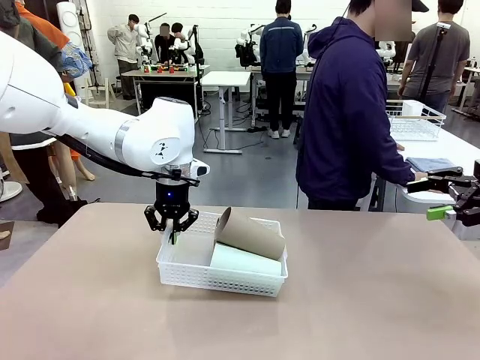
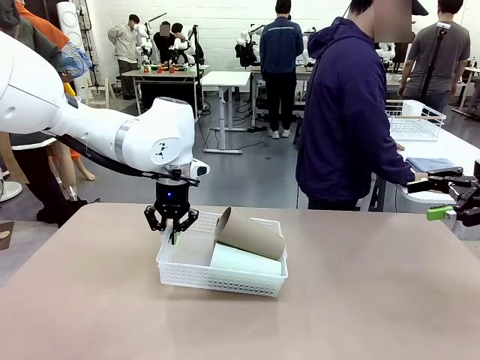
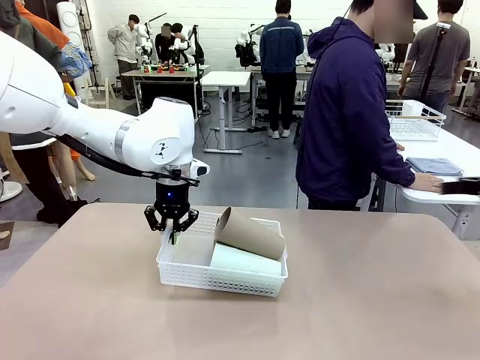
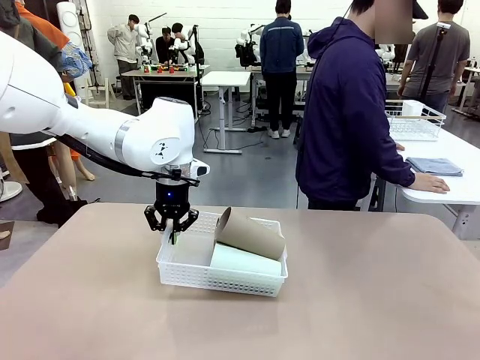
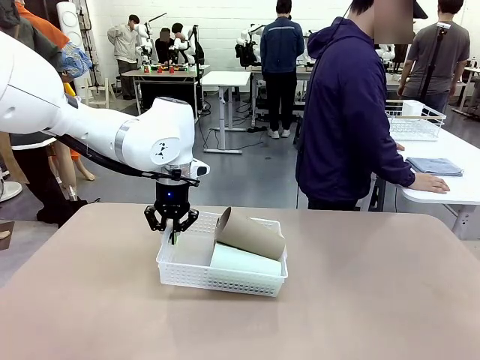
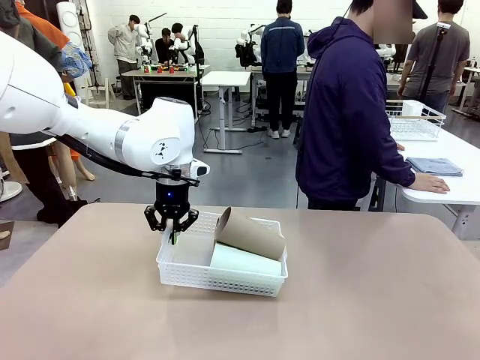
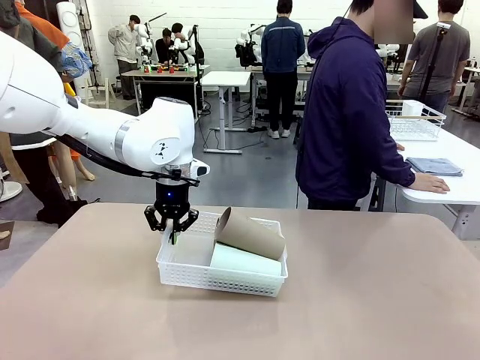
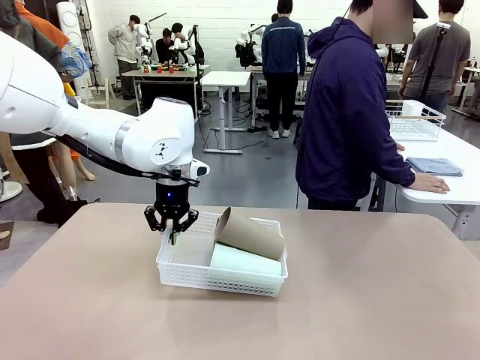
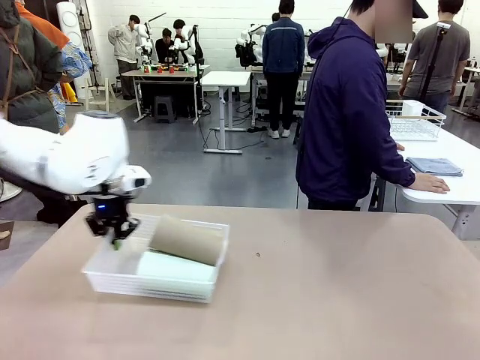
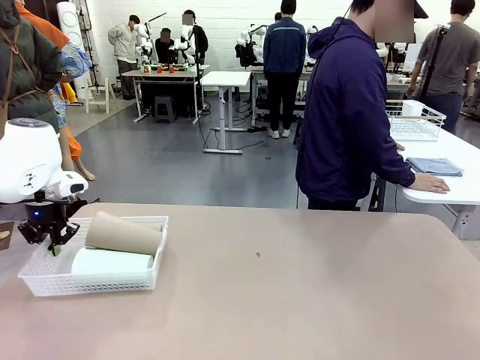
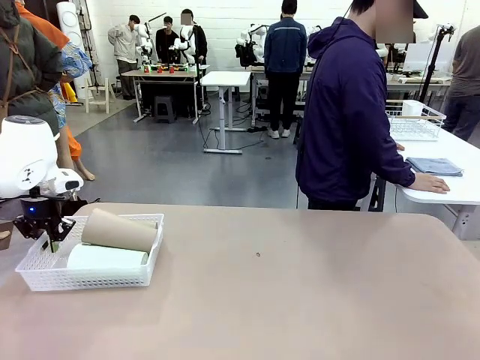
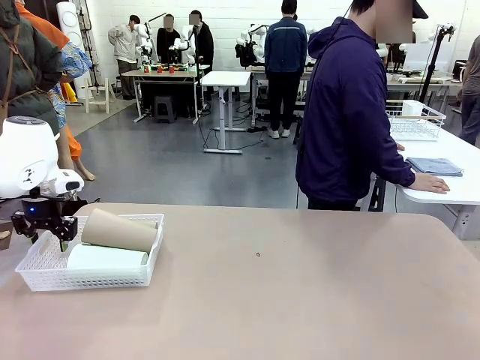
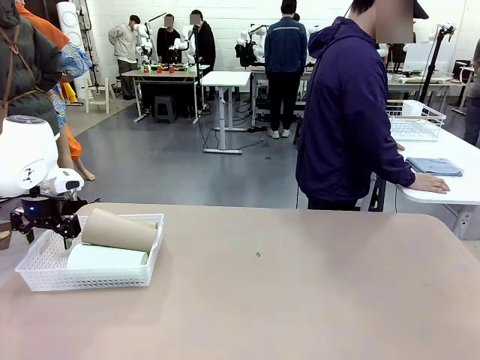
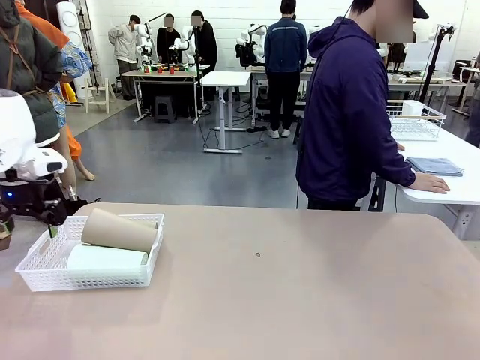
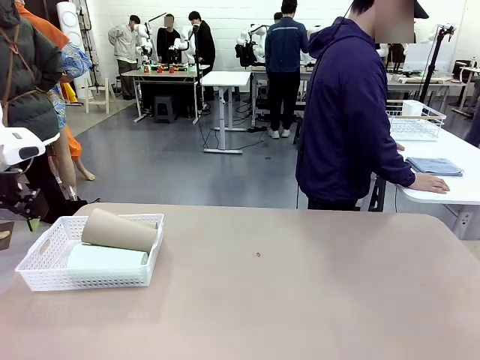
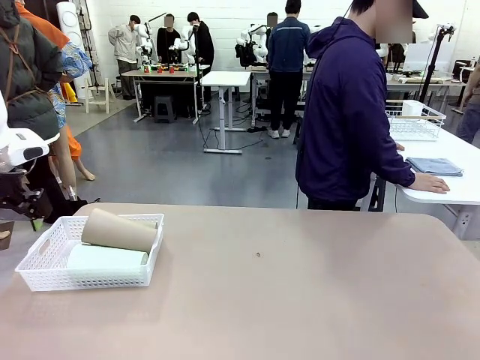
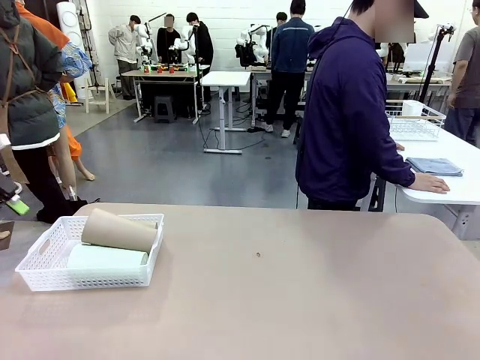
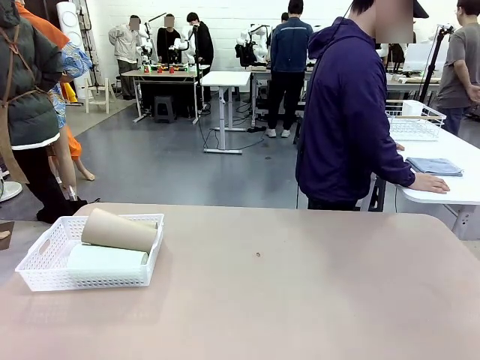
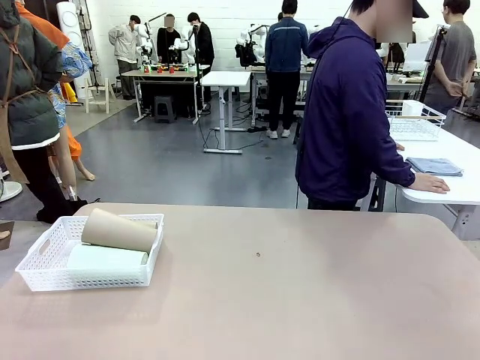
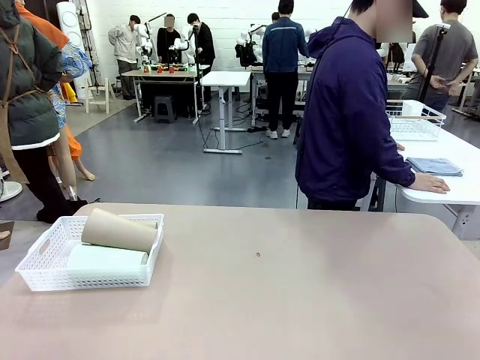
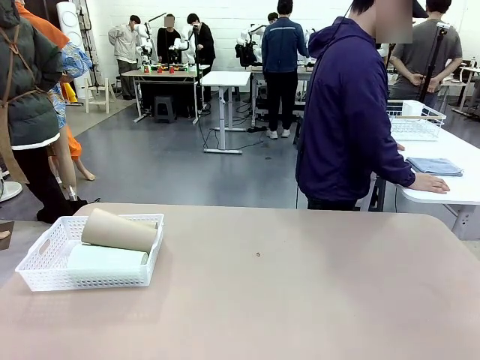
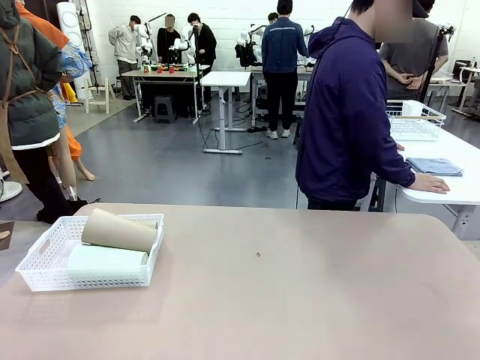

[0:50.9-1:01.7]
Task: Clean and organize the cups into the basket.
Robot: Move the Organizing basket back to the left side of the table.
Person: Folds the towel in half twice and places it in the right of the table.

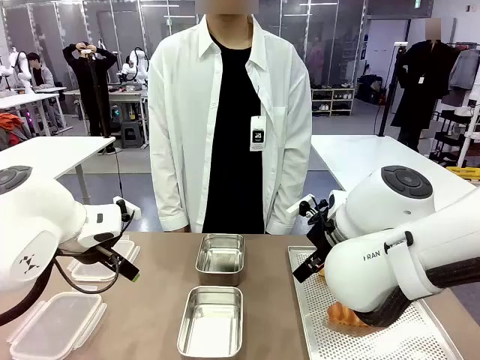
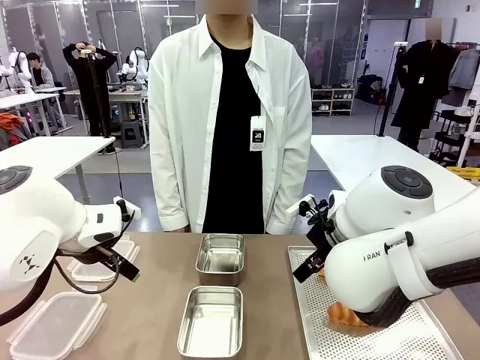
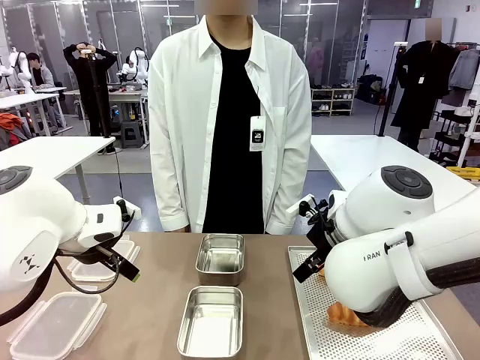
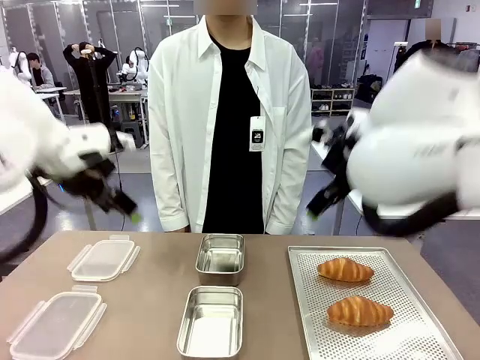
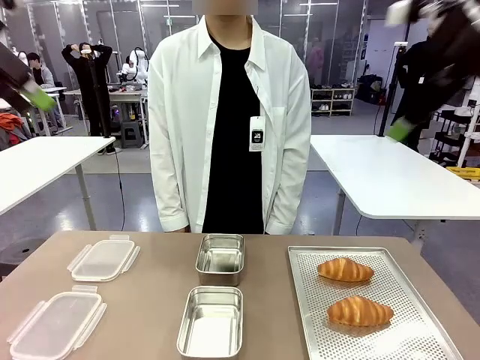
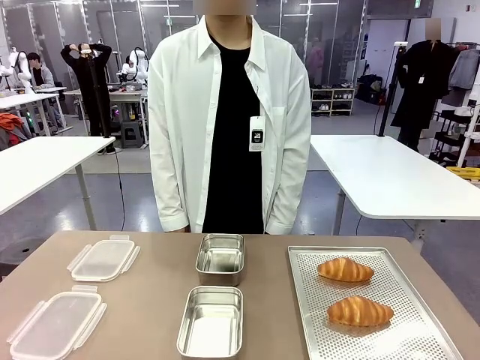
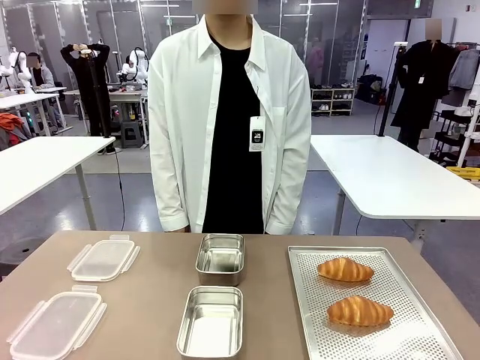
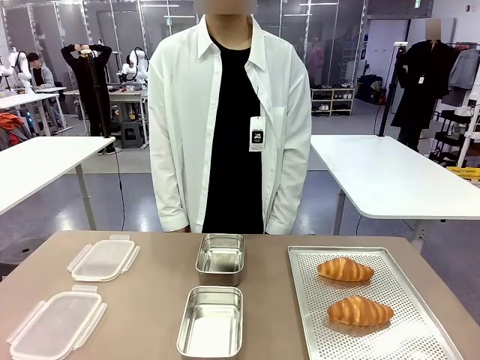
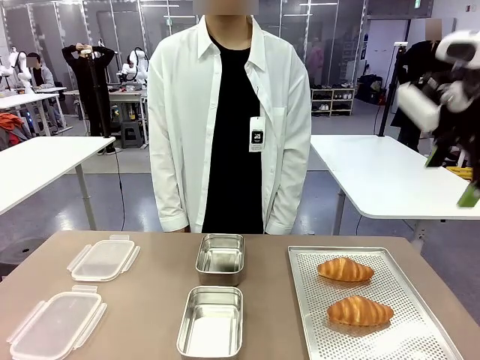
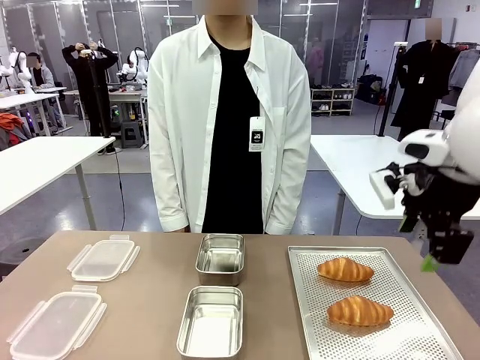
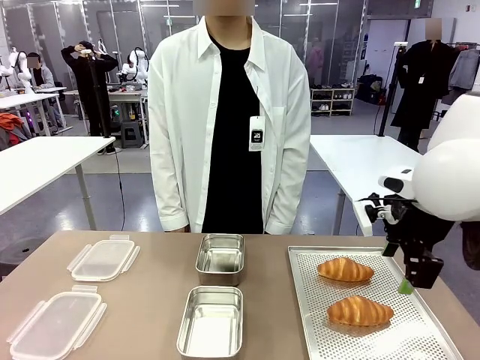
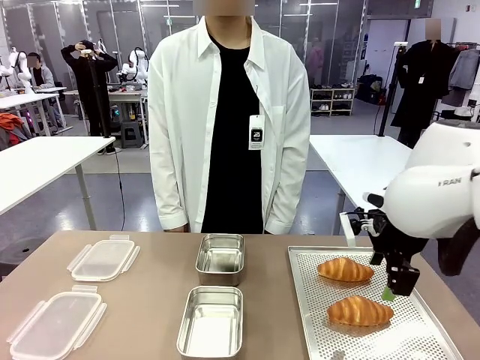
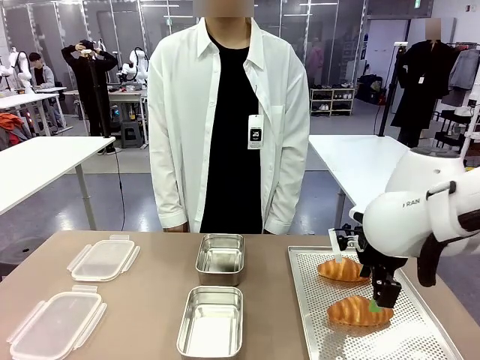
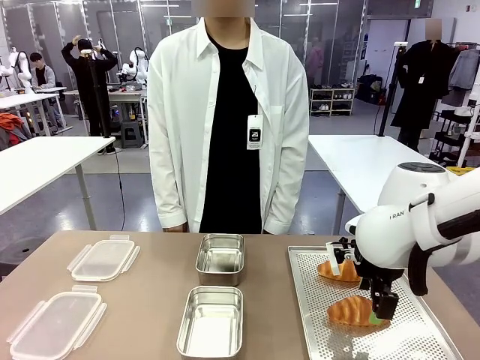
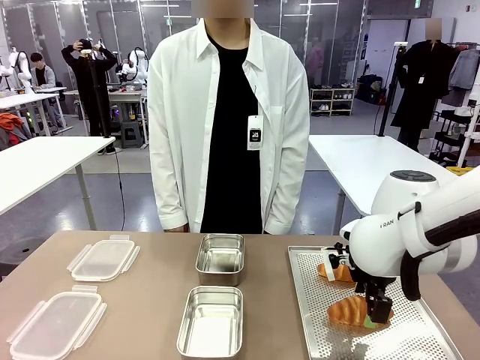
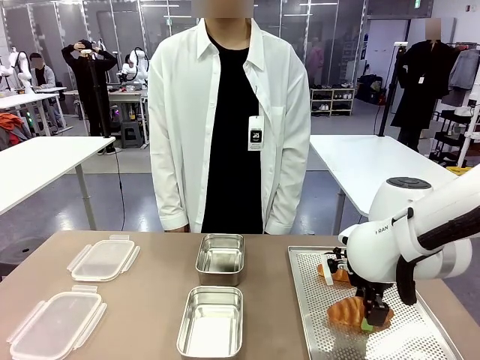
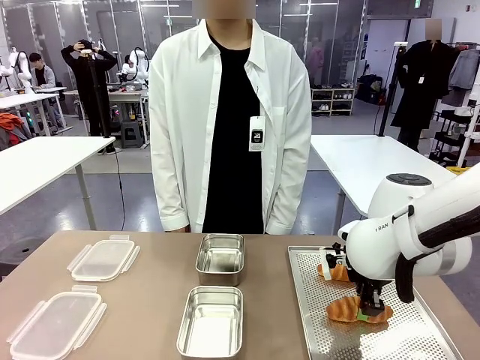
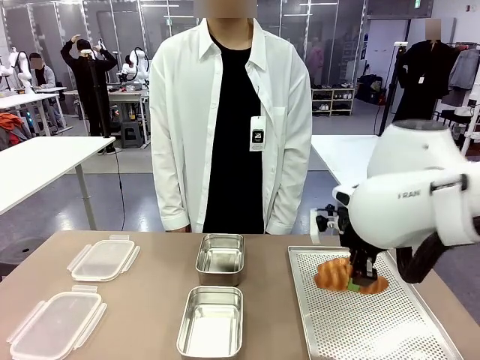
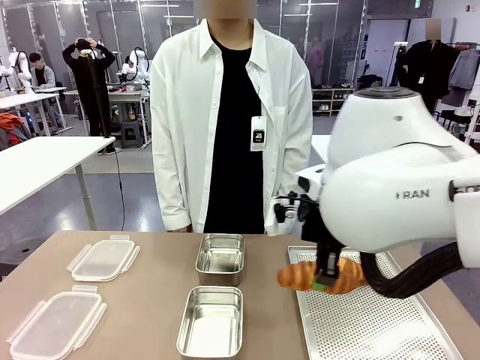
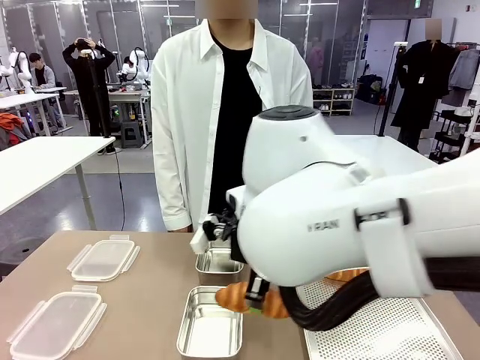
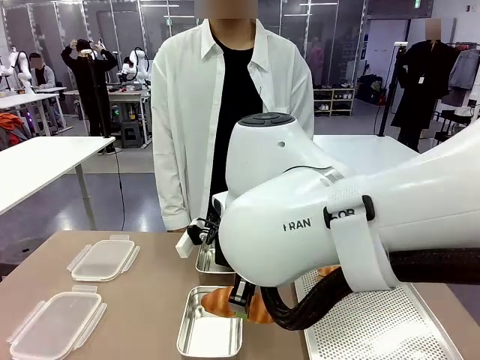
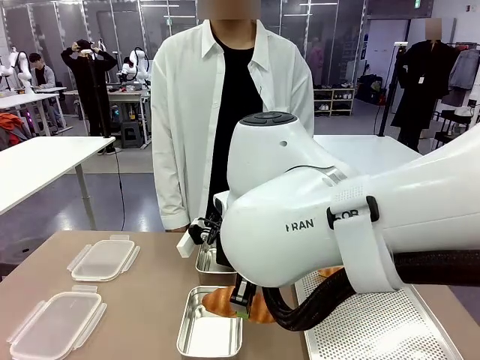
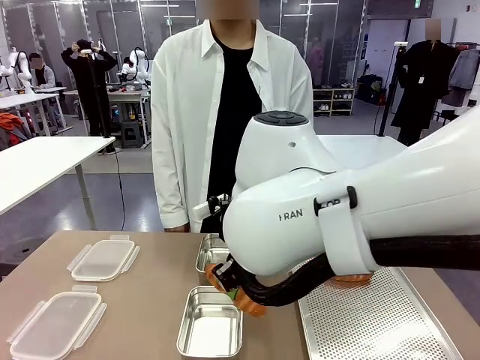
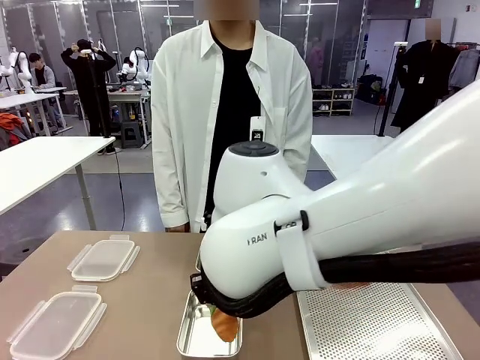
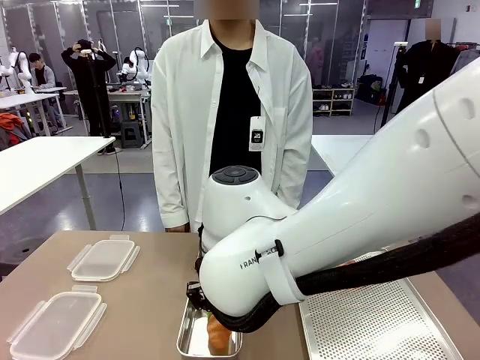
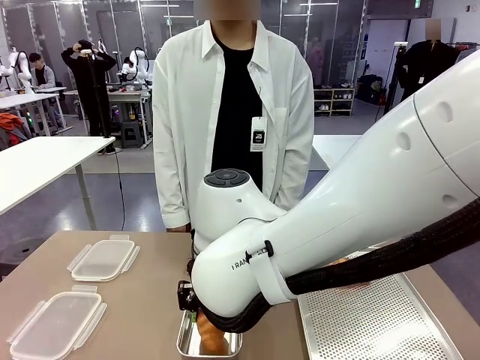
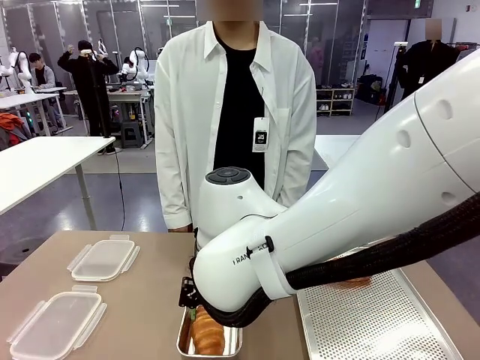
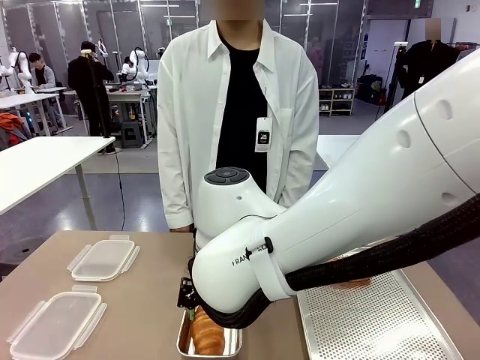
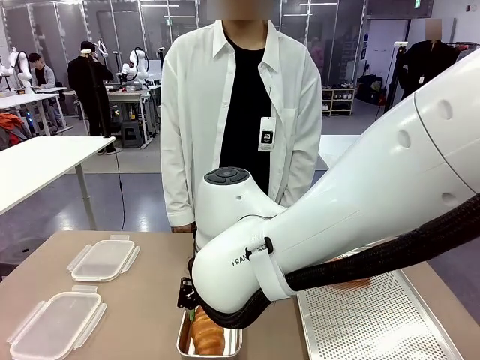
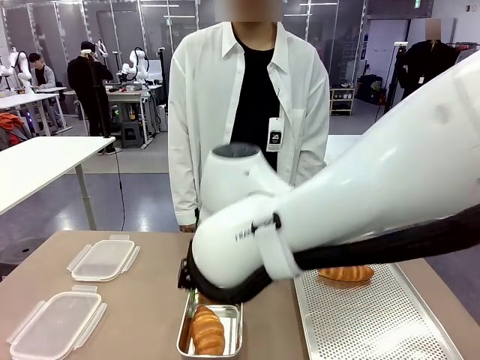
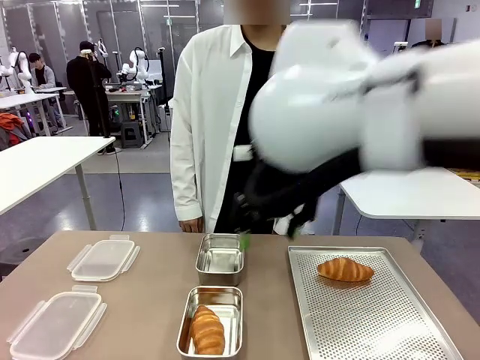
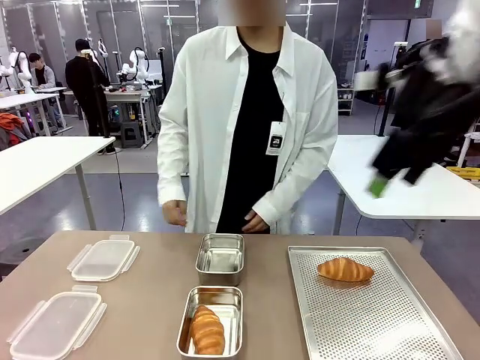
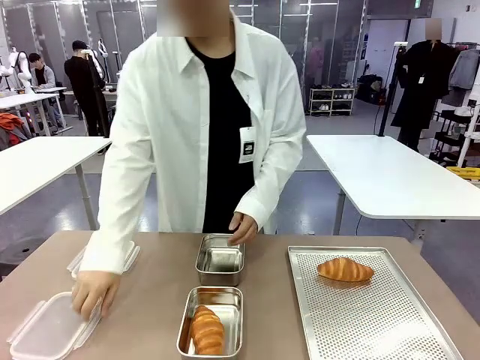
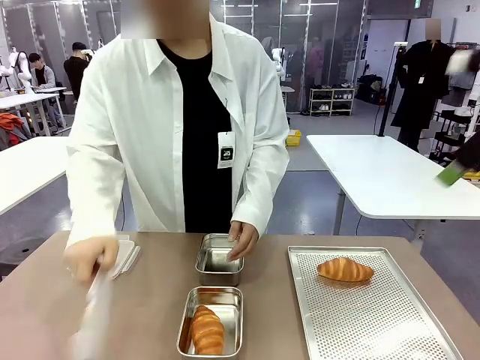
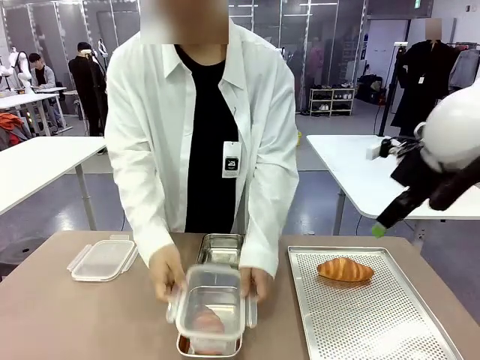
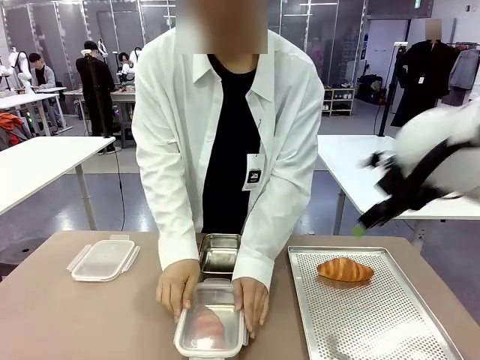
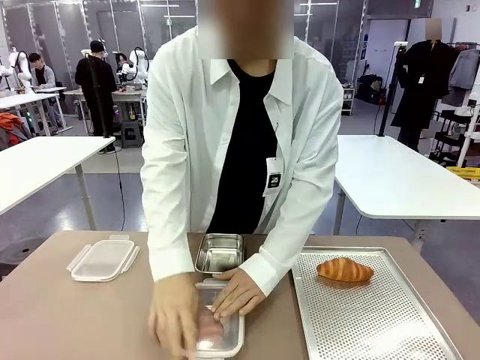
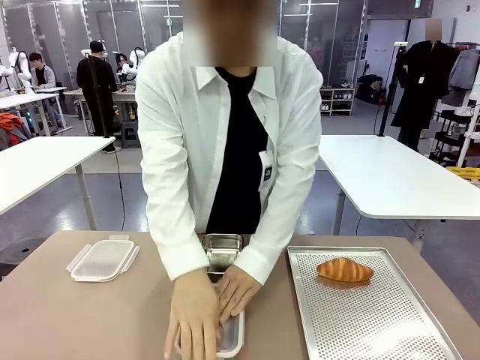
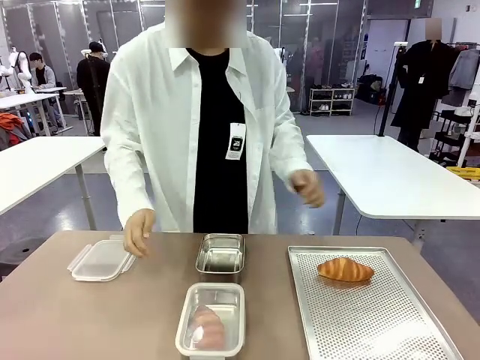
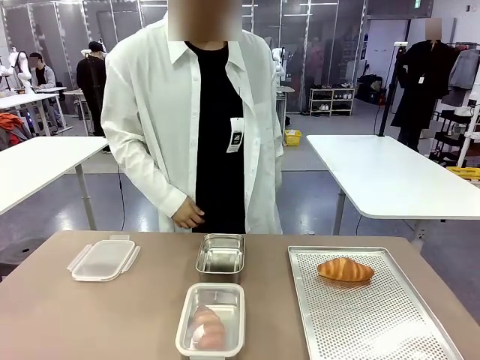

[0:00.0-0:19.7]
Task: Place the bread into the airtight container.
Robot: Pick up a Butter Roll and place it into an empty Airtight Container.
